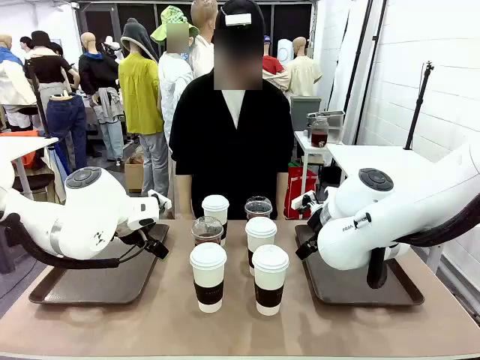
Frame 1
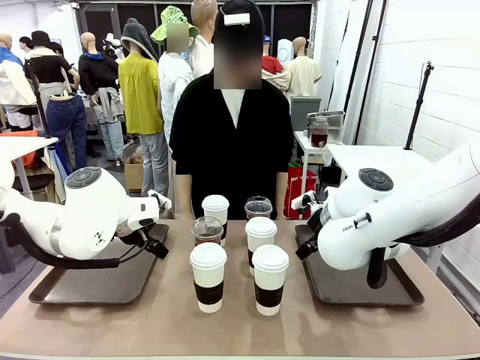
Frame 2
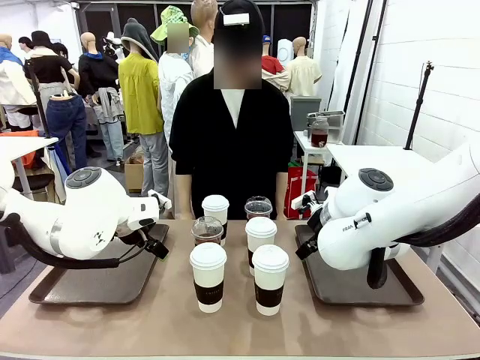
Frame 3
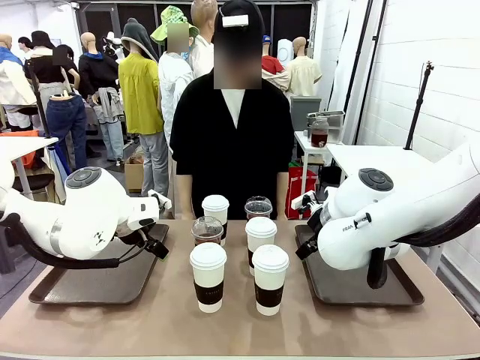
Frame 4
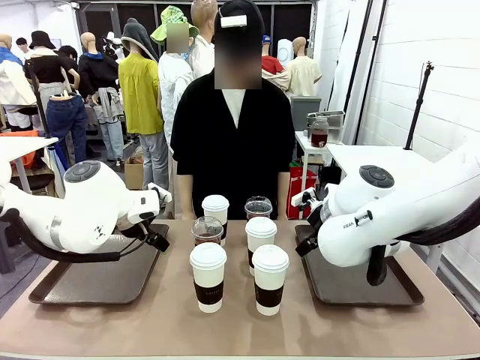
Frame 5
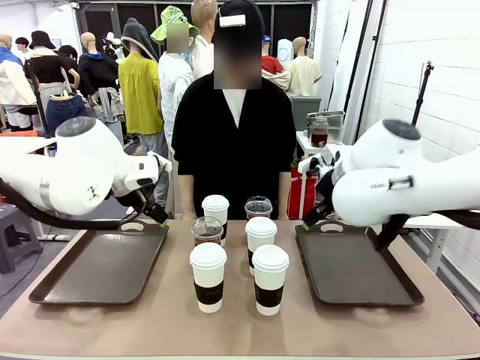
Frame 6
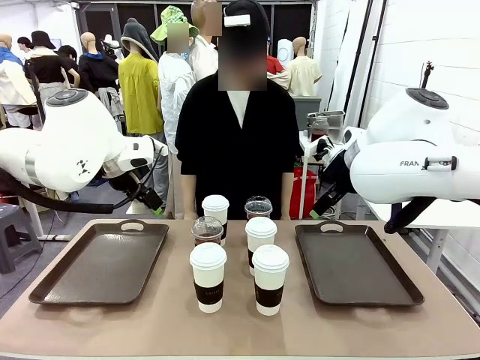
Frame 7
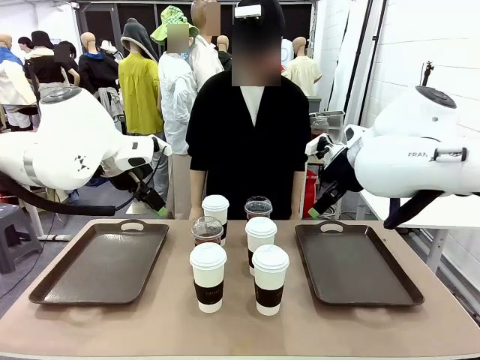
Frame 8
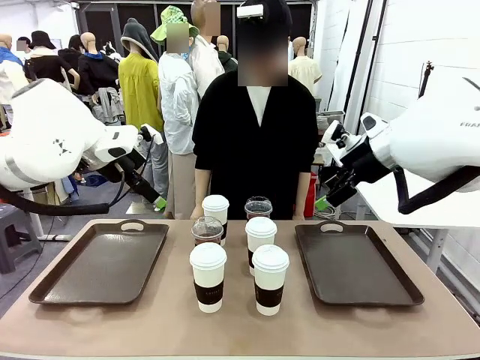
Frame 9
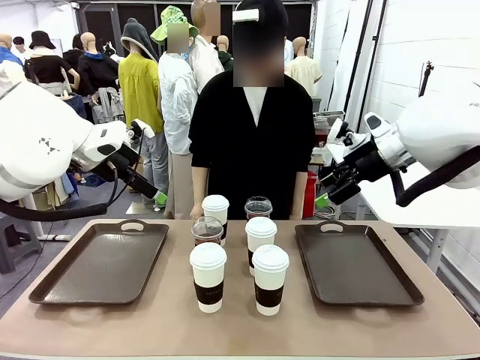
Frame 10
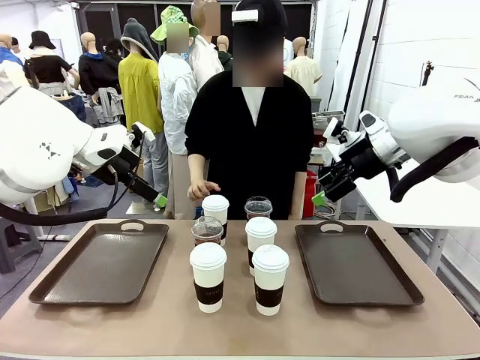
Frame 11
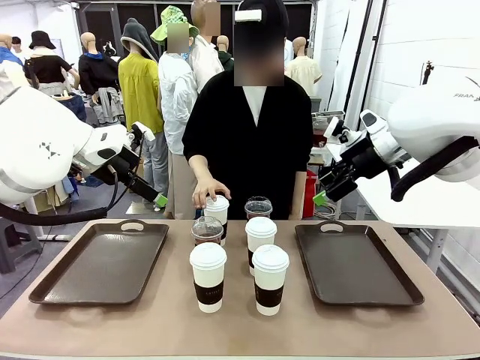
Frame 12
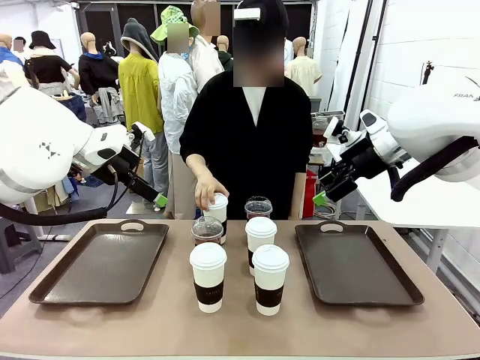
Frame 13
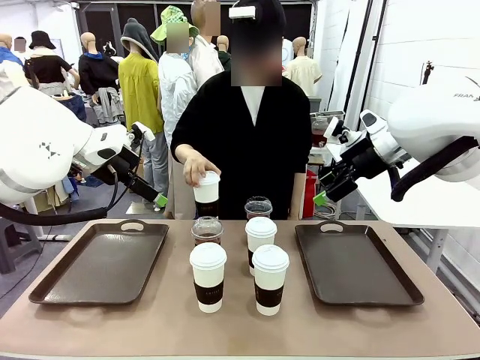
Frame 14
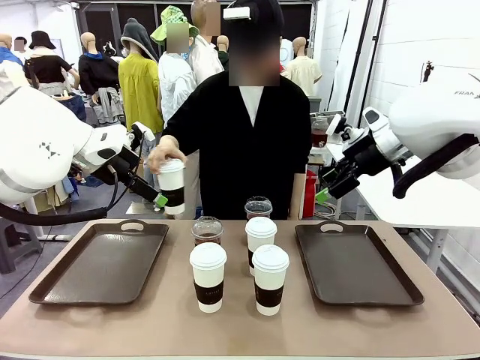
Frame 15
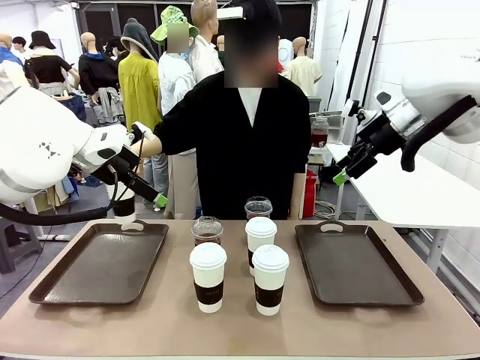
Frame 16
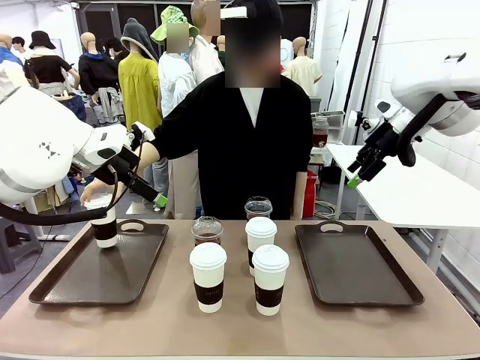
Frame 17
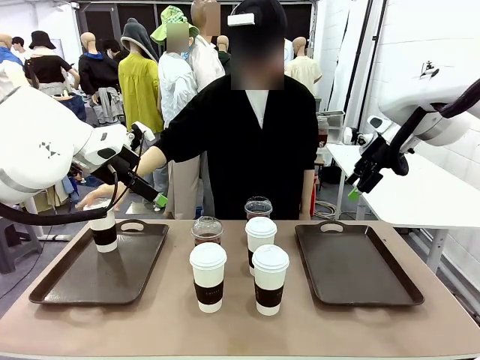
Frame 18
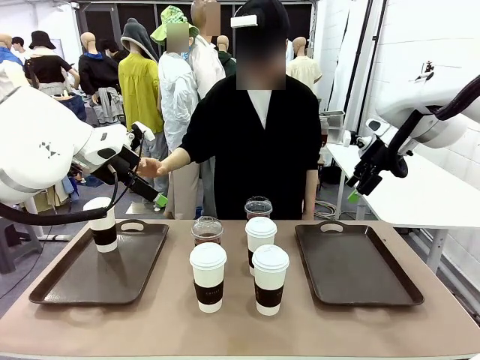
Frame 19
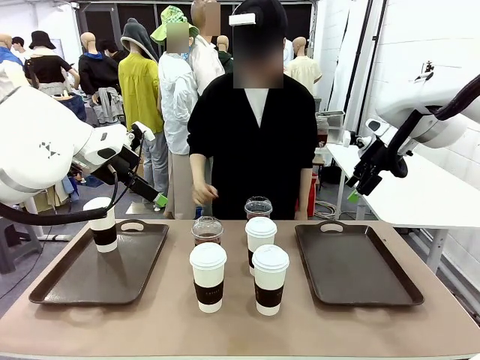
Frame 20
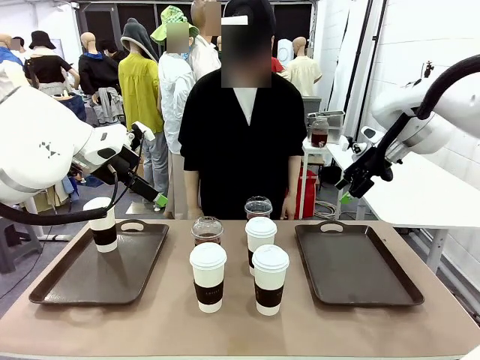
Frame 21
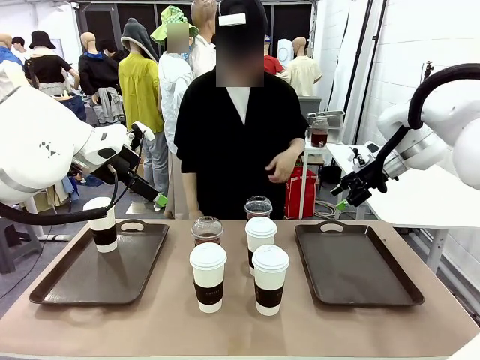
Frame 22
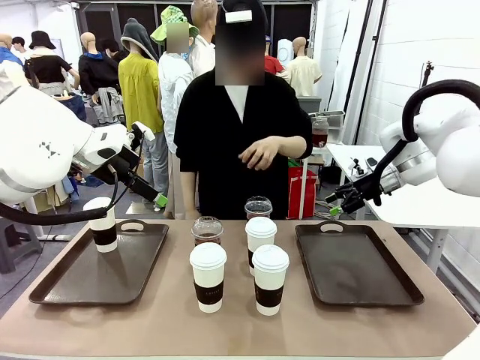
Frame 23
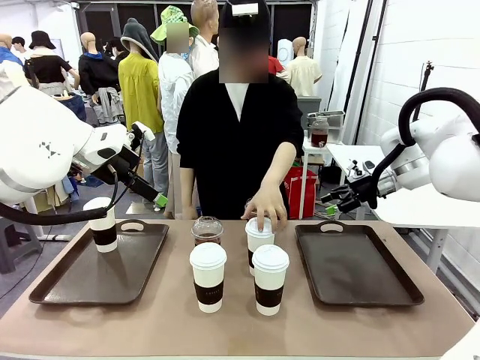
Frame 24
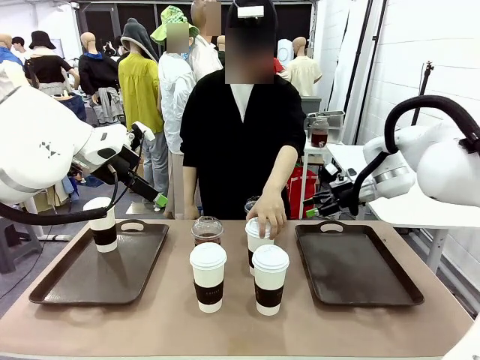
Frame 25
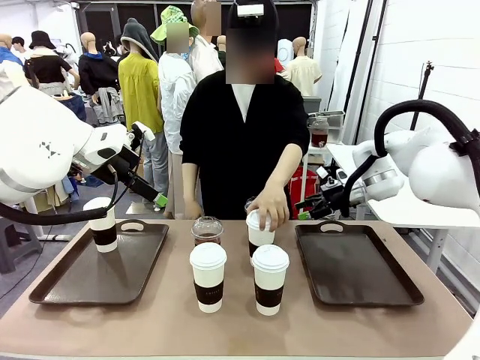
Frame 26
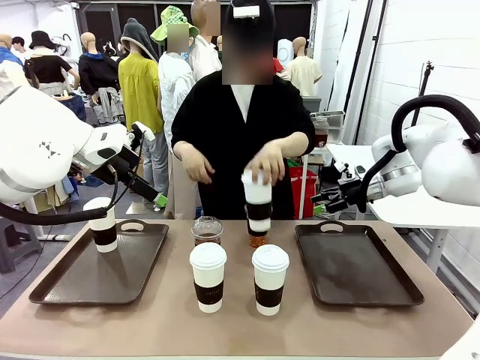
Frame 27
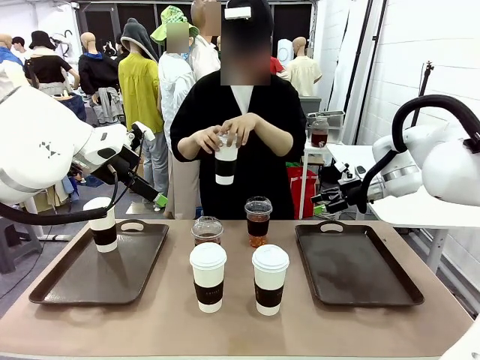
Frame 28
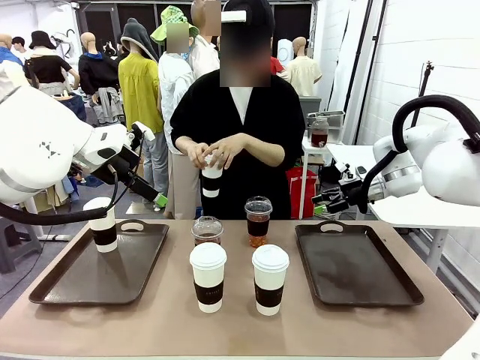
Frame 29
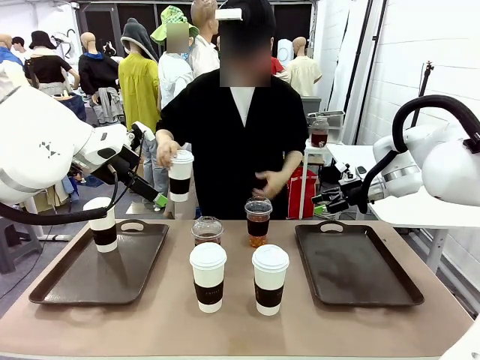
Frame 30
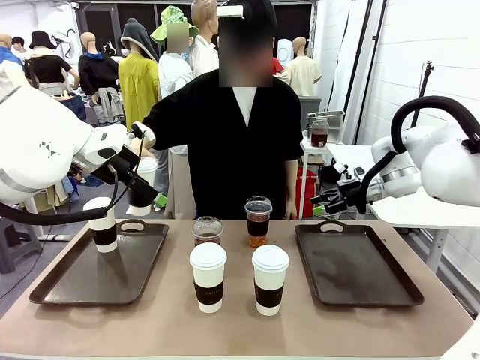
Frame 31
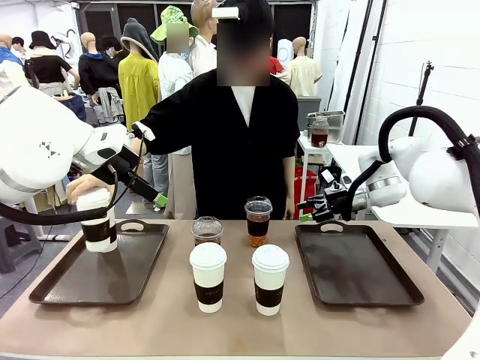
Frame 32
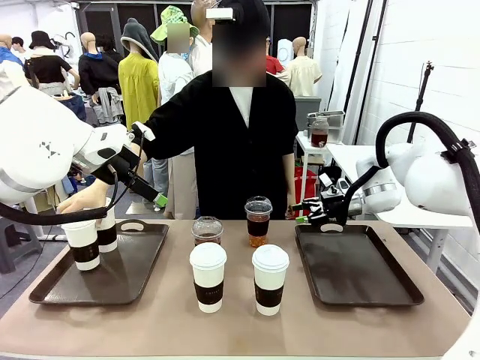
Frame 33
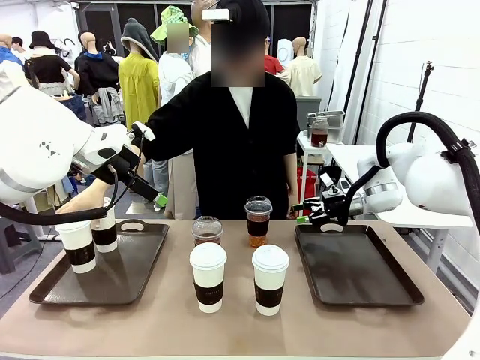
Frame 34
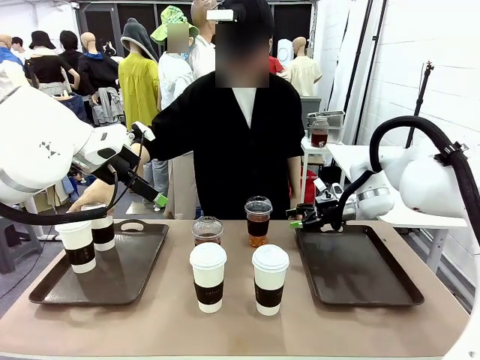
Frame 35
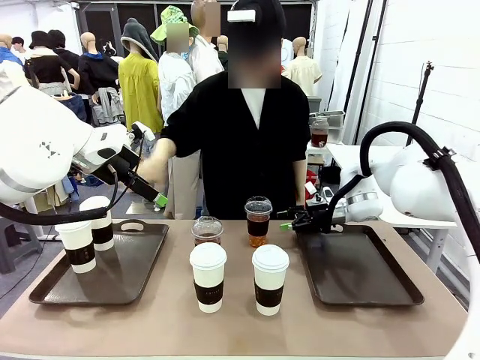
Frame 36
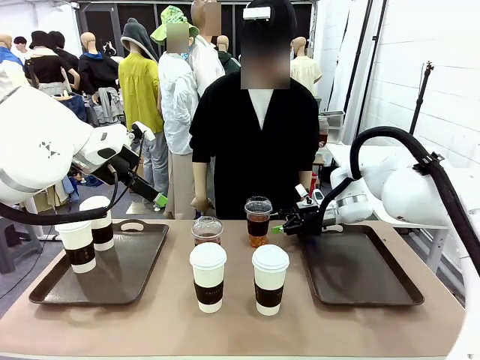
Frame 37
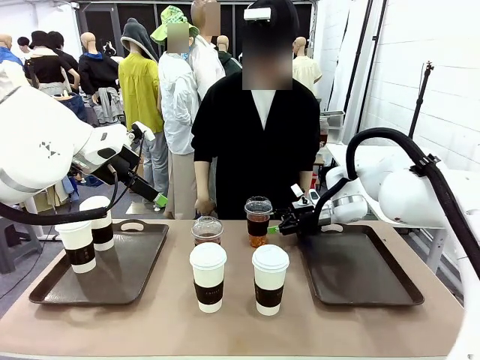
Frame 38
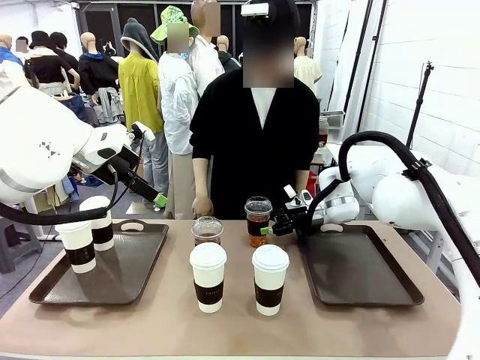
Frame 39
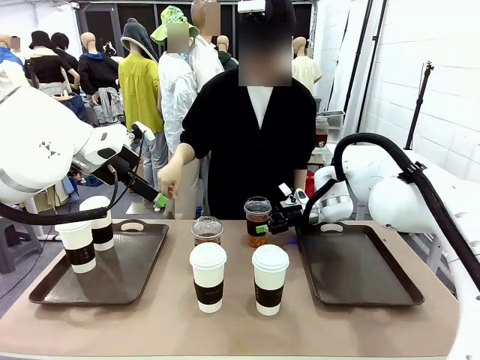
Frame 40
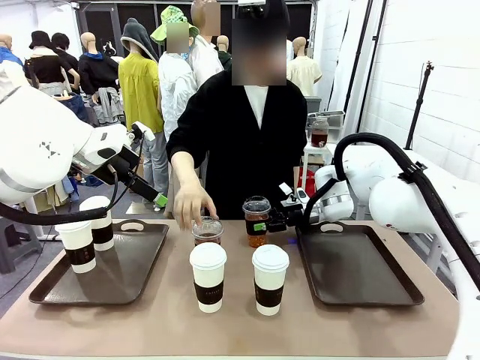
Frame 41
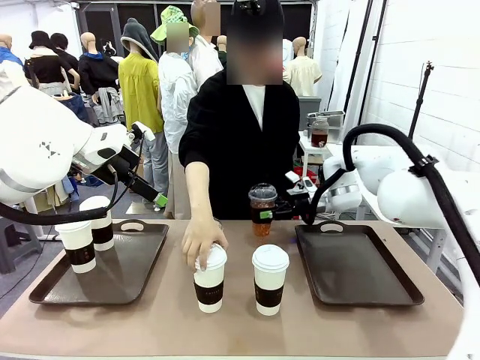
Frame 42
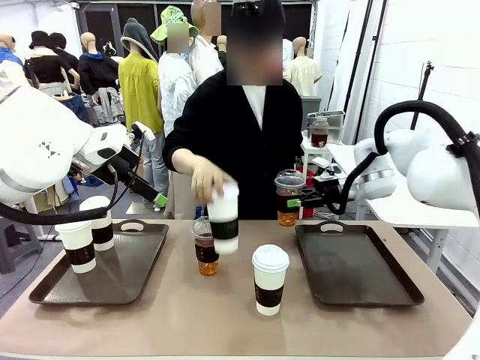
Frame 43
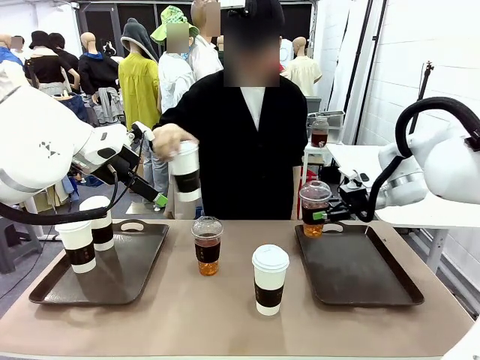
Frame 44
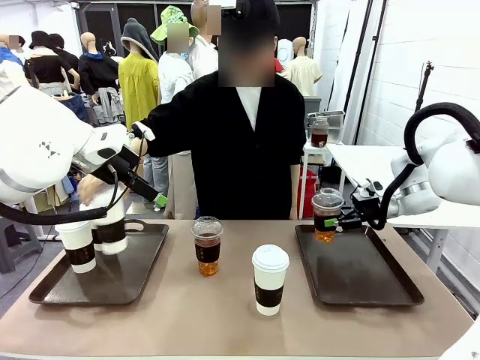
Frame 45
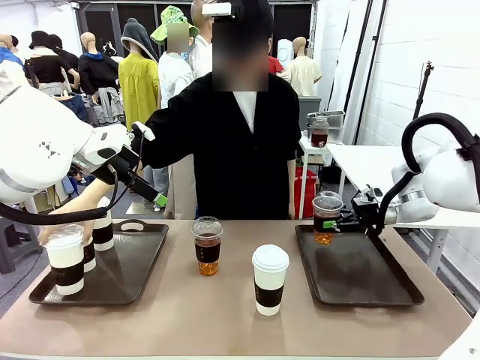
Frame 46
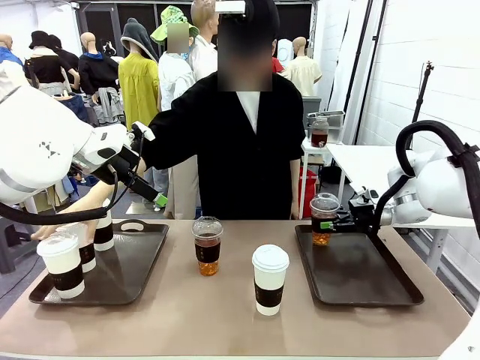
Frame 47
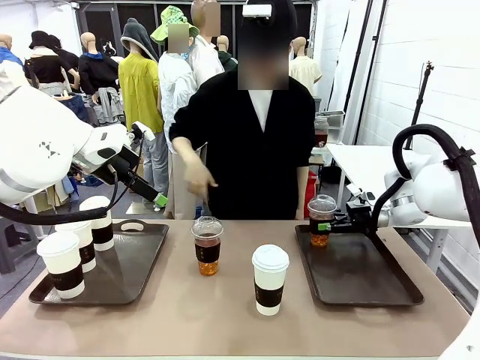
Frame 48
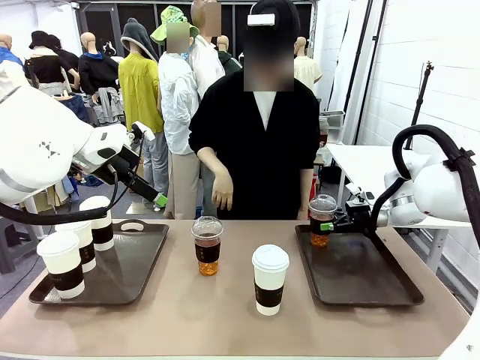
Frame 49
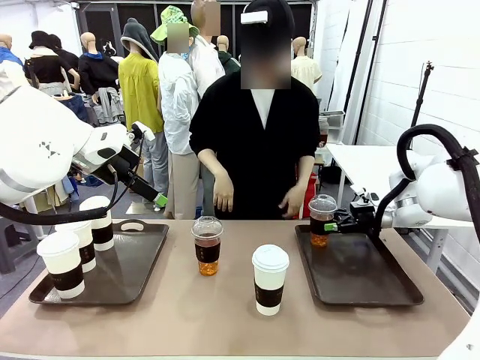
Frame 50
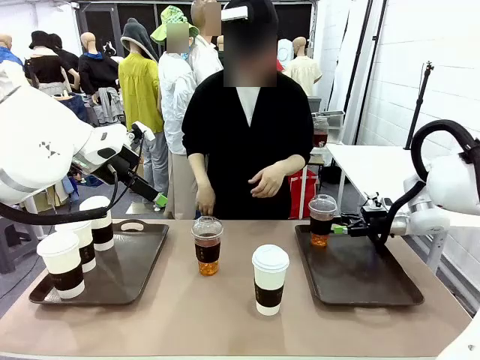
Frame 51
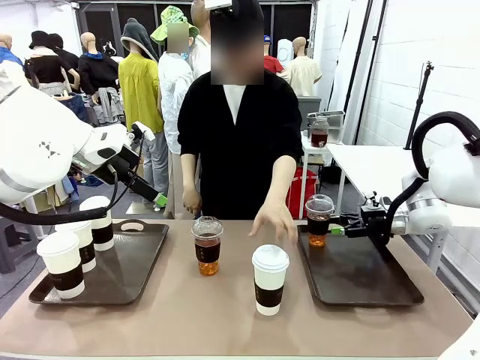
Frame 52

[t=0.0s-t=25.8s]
Task: Distribute the coffee onto the tray.
Robot: Pick up one iced Americano and place it on the right Handle tray.
Person: Pick up a cup of hot Americano and place it on the right tray.
